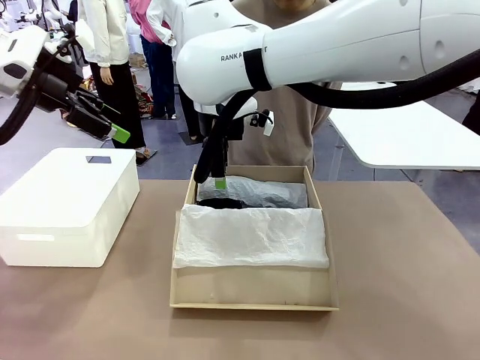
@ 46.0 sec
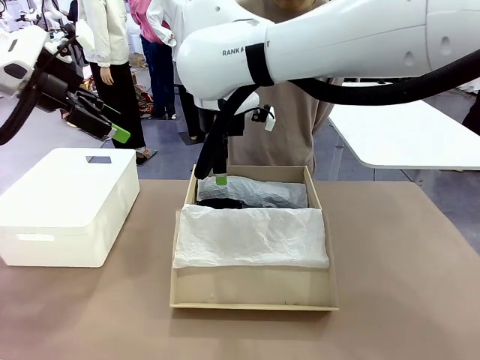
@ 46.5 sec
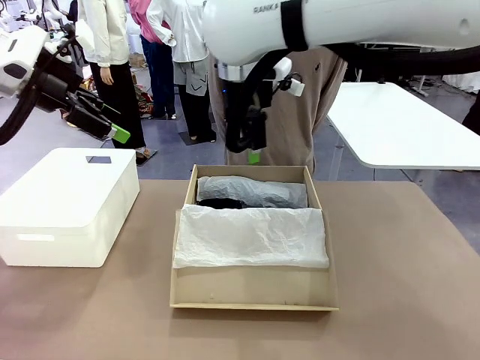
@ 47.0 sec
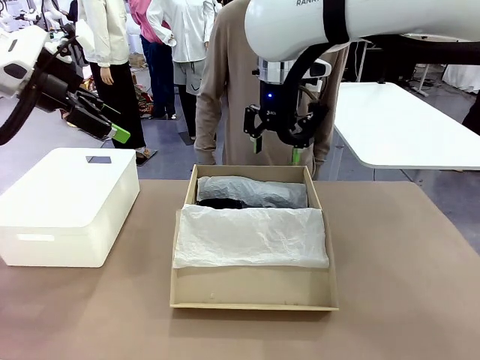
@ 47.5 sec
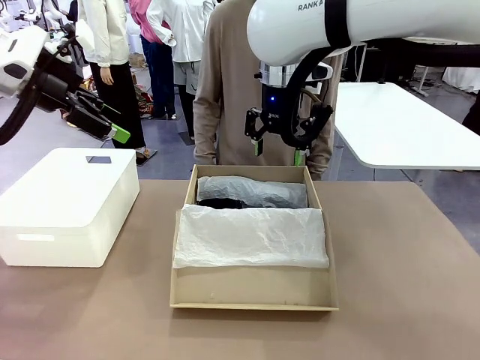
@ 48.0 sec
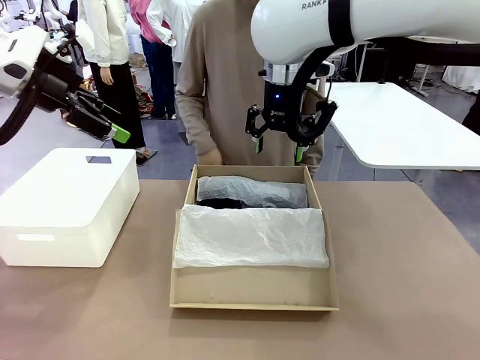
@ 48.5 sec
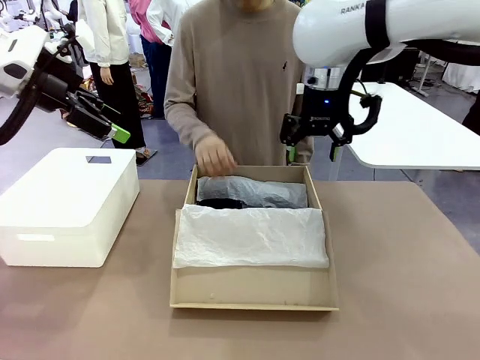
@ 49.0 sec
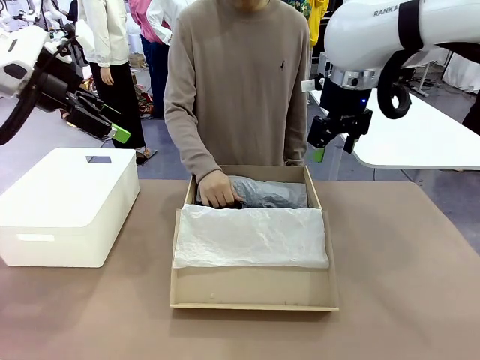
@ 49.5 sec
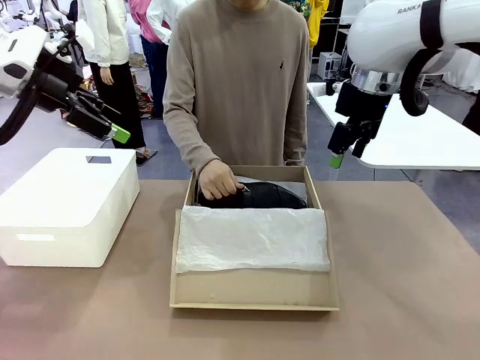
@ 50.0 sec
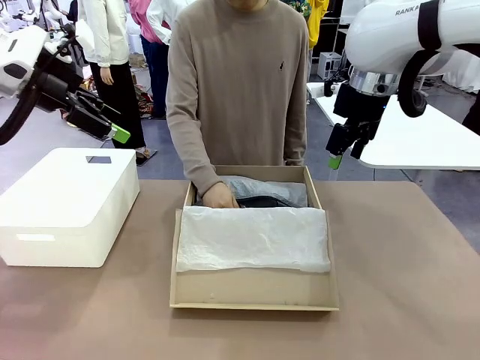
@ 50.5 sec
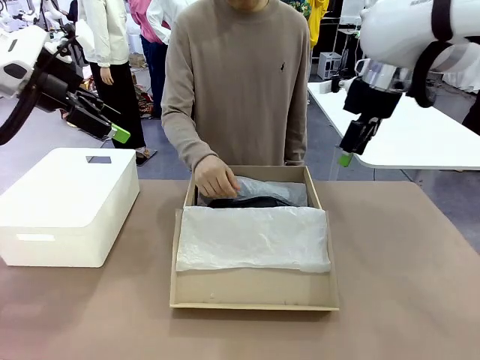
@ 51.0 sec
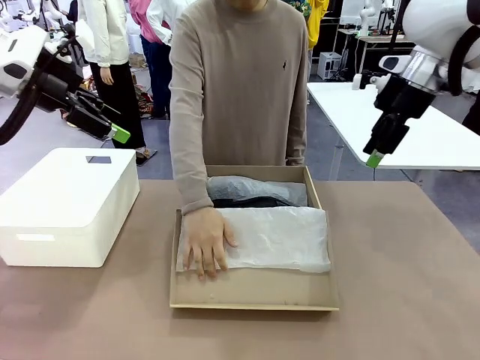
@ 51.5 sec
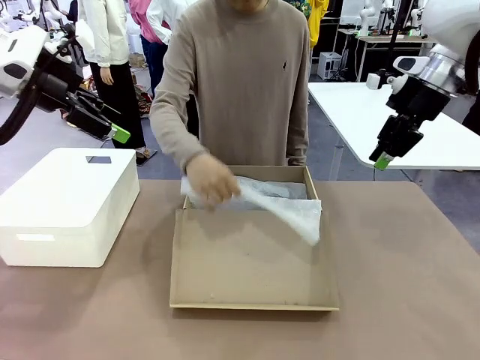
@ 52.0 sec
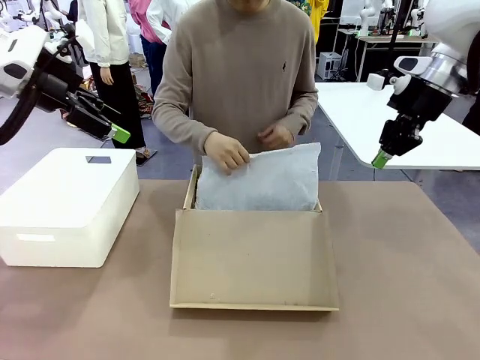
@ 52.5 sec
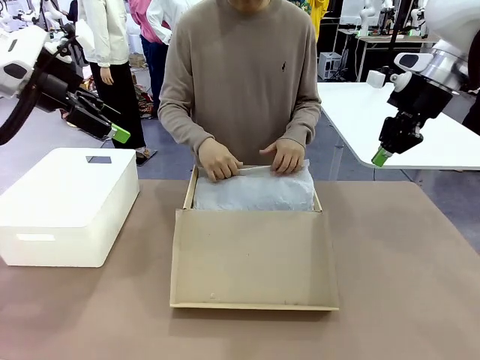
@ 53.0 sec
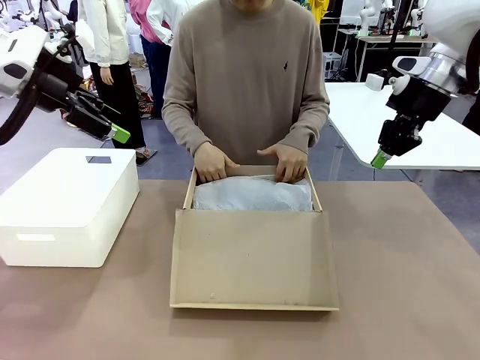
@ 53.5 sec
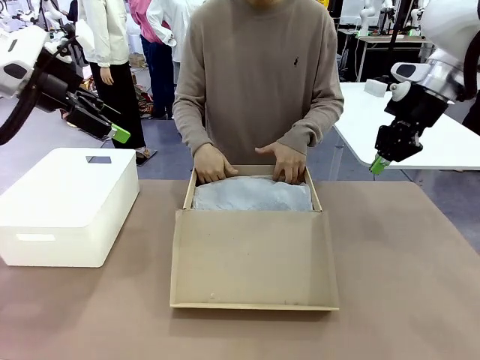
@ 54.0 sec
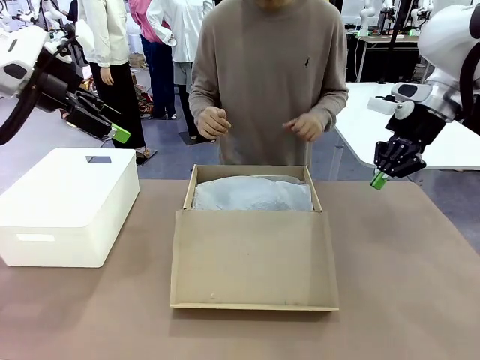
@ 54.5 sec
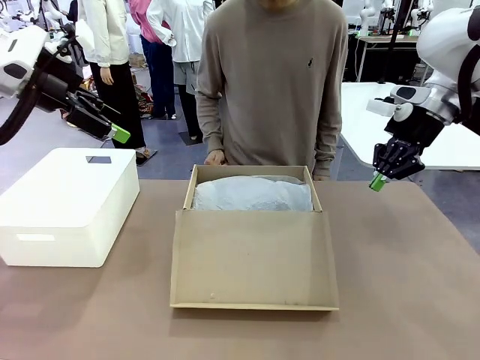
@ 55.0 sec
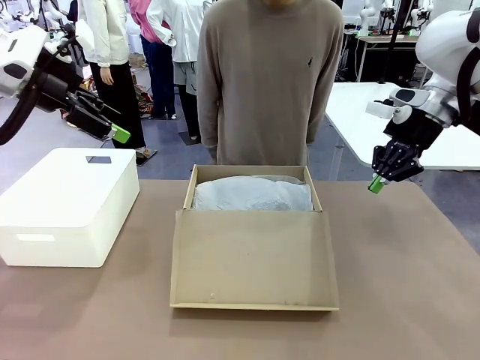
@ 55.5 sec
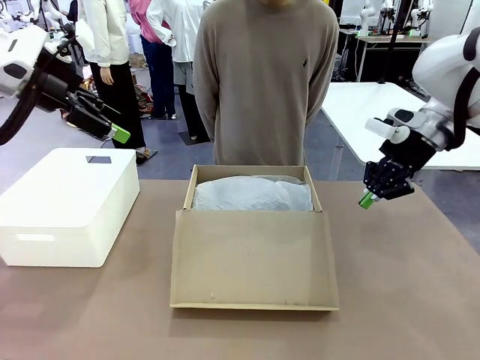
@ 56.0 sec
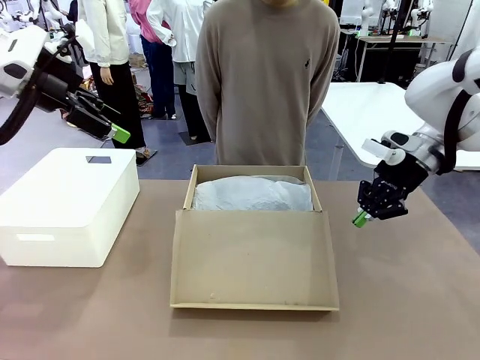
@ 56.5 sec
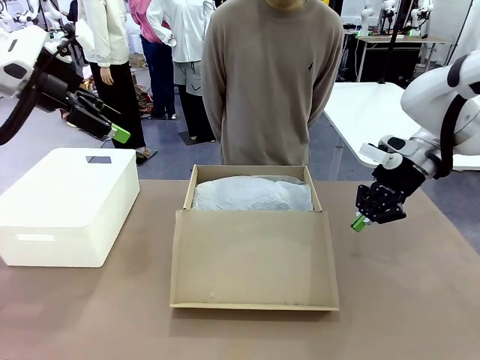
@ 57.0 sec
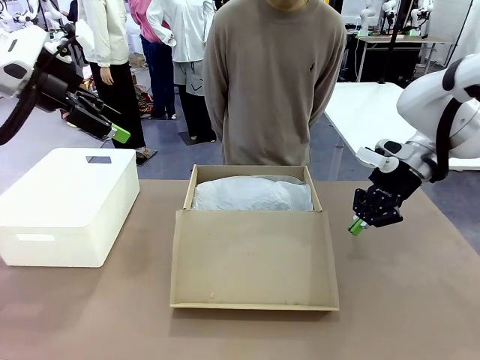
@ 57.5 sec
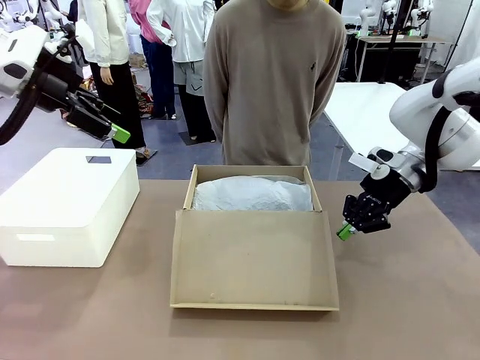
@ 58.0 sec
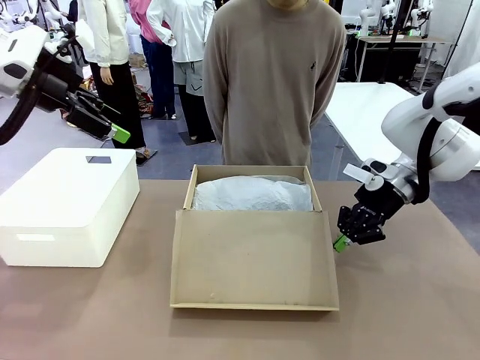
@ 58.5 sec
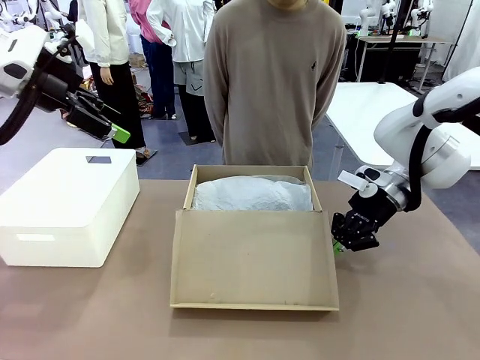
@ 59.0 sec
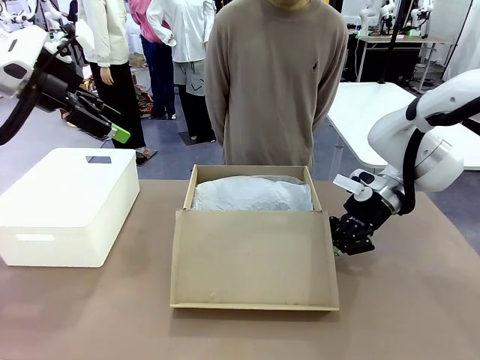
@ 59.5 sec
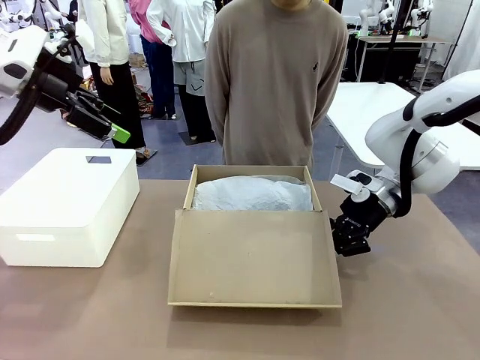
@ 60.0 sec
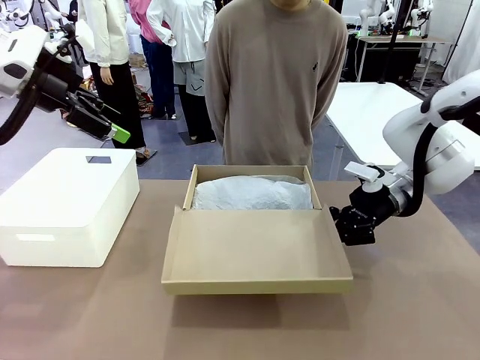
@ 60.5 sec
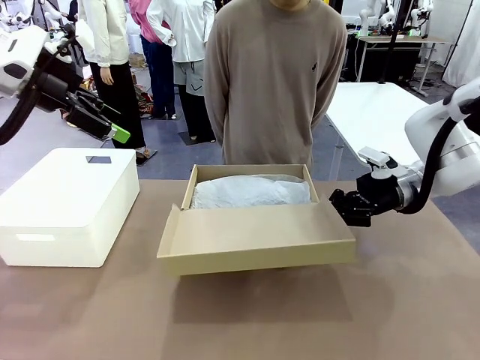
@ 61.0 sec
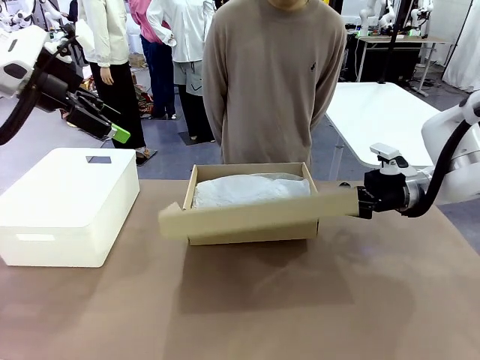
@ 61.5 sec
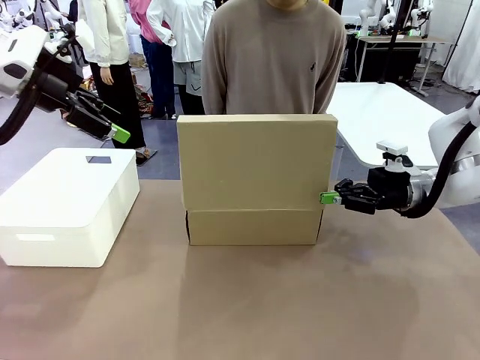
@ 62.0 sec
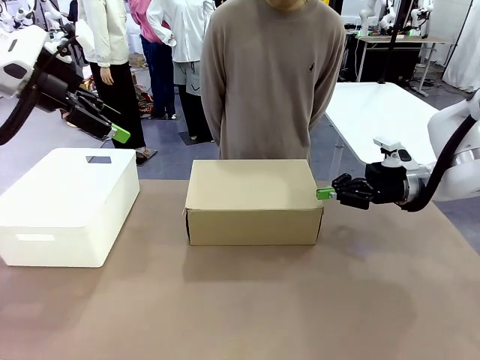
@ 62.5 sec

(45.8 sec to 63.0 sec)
Task: Pack the shoes into the box.
Robot: Close the Shoes Box.

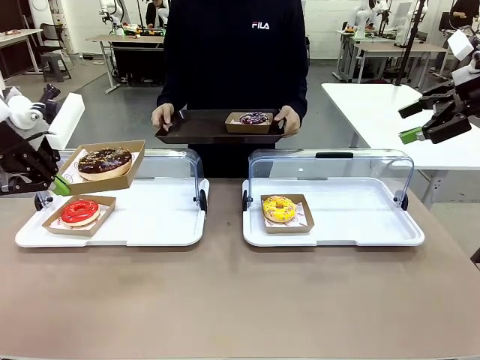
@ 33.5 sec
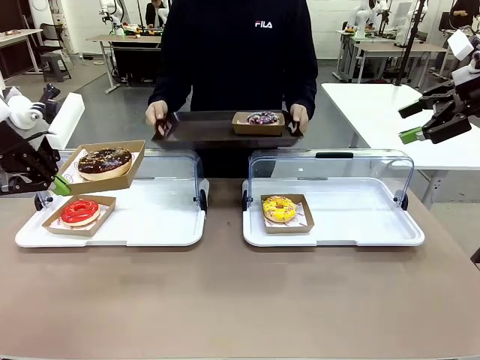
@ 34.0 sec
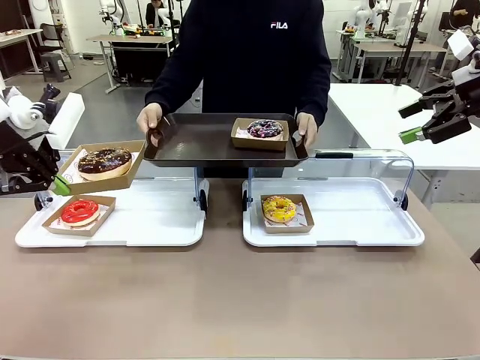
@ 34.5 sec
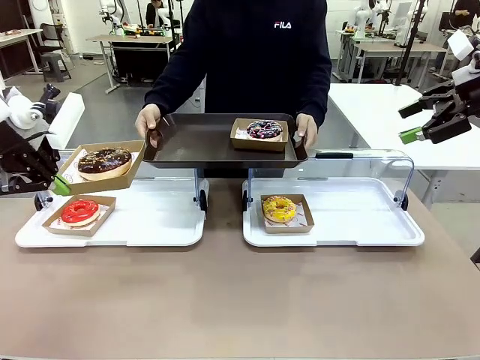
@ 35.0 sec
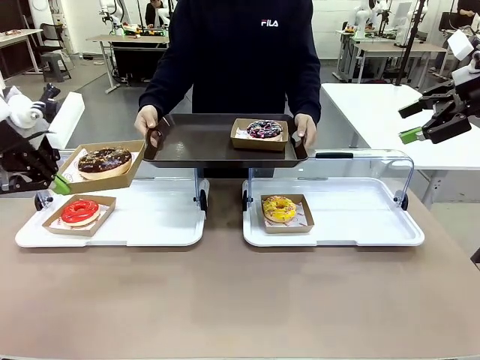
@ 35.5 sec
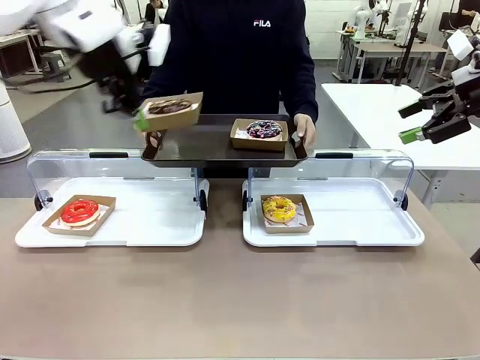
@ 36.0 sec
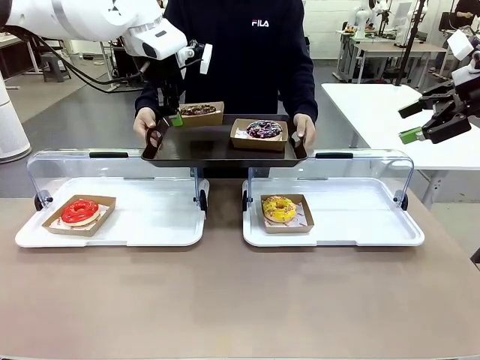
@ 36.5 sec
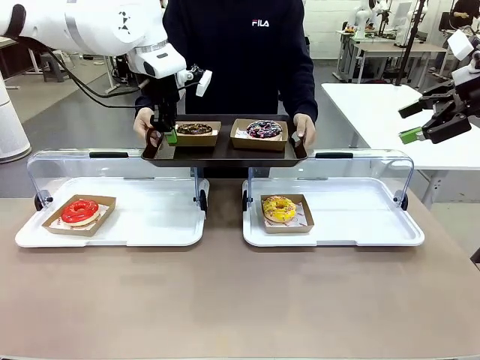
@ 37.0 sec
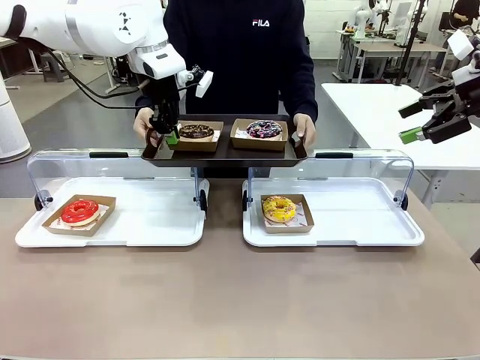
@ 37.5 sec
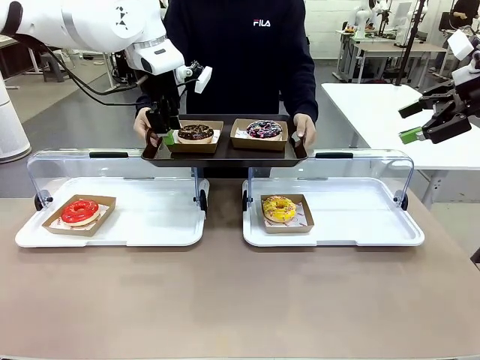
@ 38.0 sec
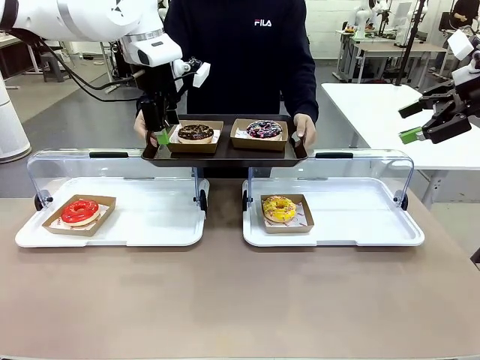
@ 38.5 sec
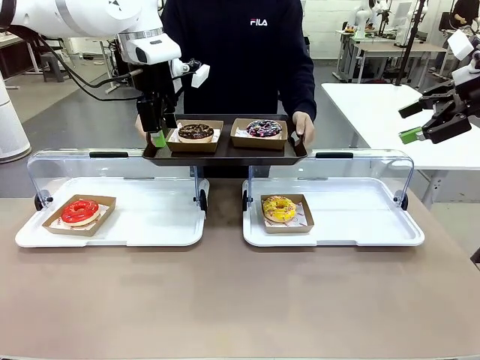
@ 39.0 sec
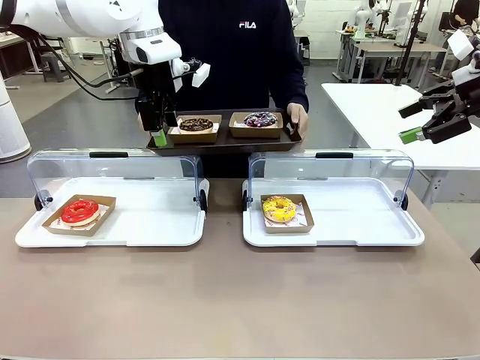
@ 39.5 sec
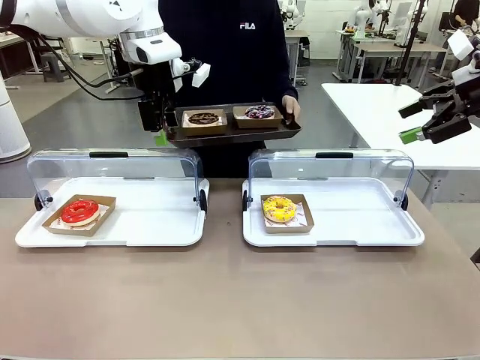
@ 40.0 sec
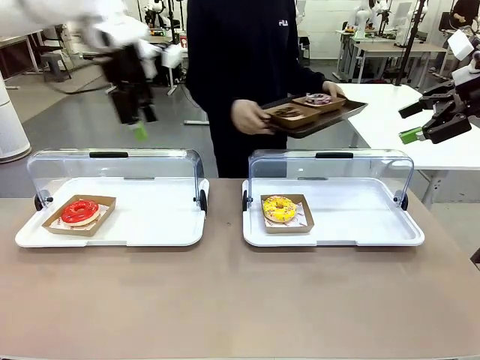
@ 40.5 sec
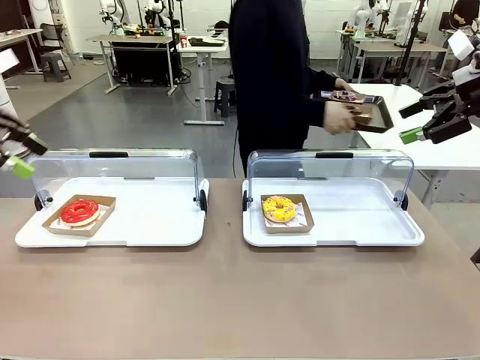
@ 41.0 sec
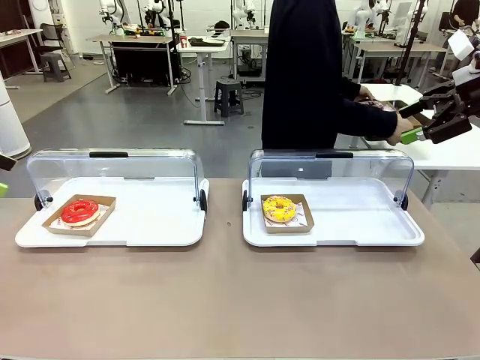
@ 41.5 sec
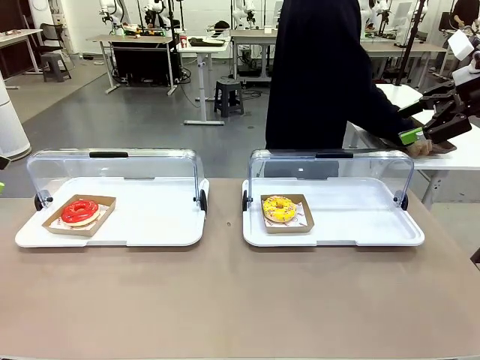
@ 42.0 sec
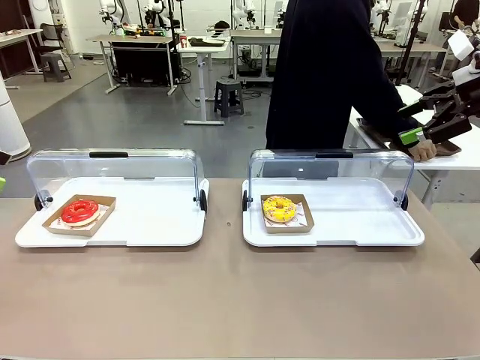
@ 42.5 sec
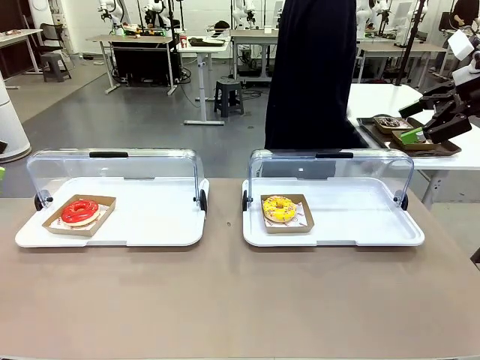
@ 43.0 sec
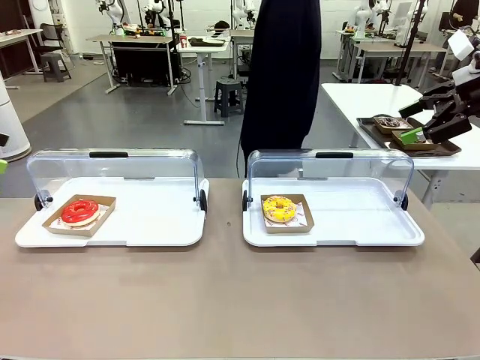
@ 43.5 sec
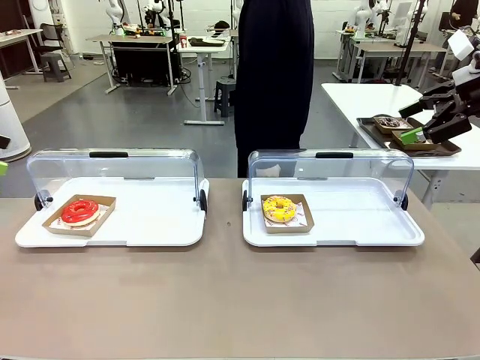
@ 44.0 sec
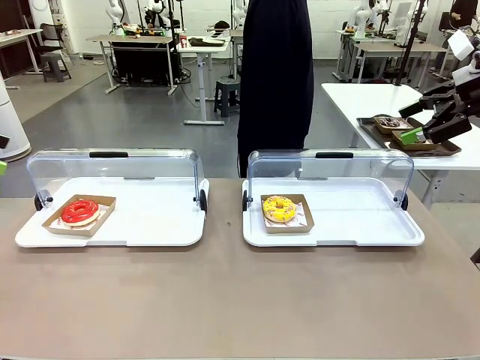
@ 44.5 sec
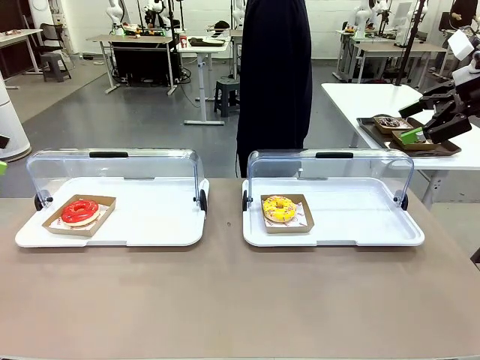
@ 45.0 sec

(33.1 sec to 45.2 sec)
Task: Provide the desired donut to the person.
Robot: Place the picked Paper togo box onto the Handle tray extended by the person.
Person: Place the tray in the middle of the human table.
